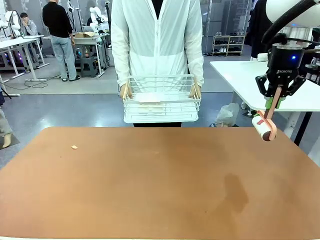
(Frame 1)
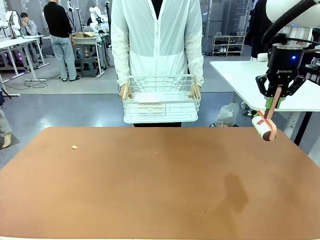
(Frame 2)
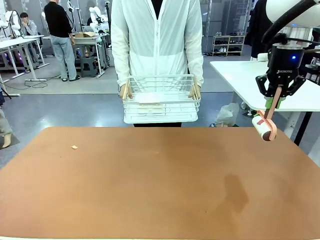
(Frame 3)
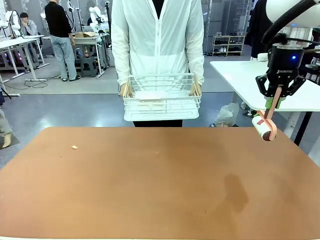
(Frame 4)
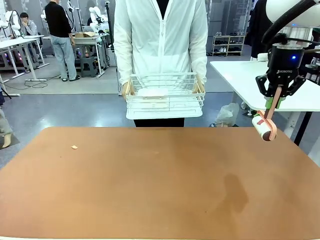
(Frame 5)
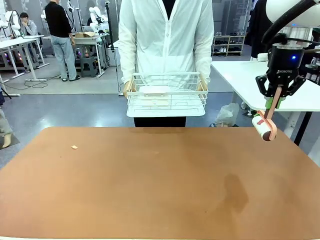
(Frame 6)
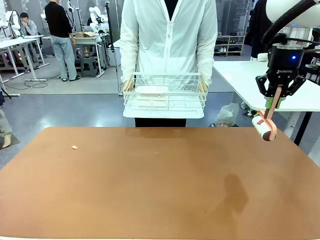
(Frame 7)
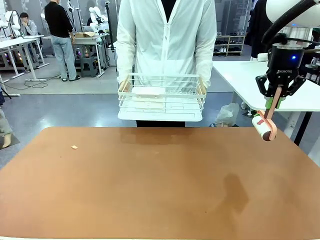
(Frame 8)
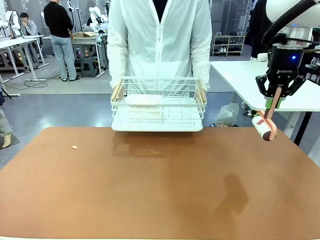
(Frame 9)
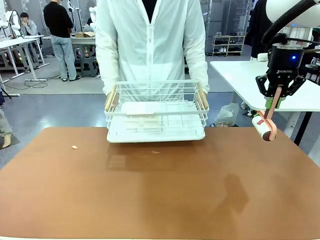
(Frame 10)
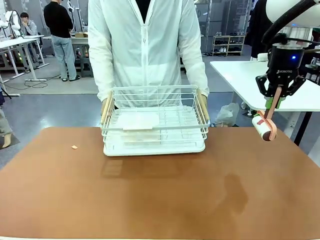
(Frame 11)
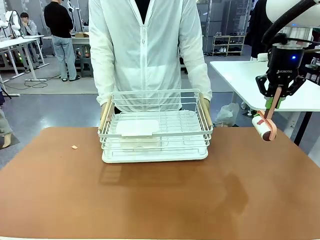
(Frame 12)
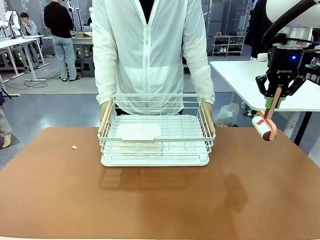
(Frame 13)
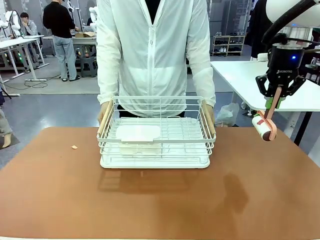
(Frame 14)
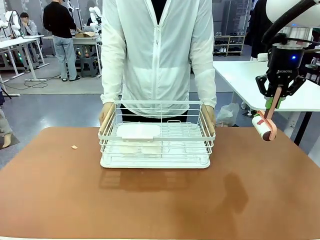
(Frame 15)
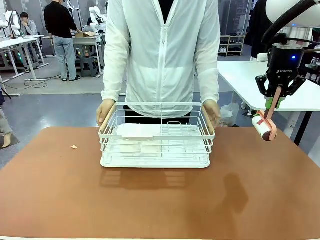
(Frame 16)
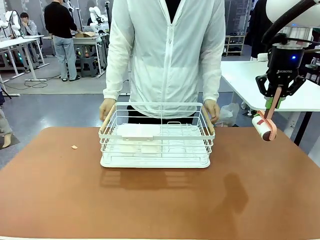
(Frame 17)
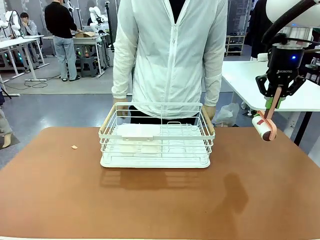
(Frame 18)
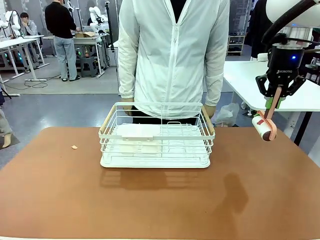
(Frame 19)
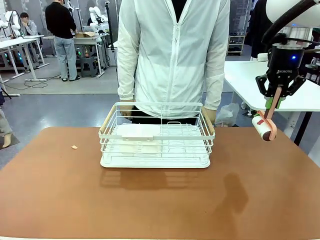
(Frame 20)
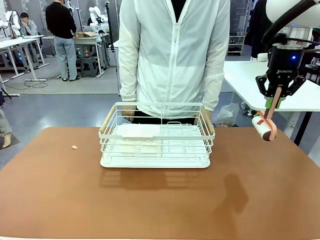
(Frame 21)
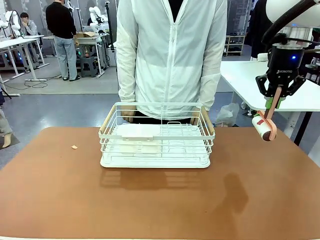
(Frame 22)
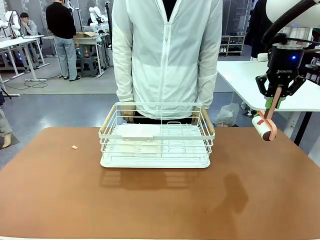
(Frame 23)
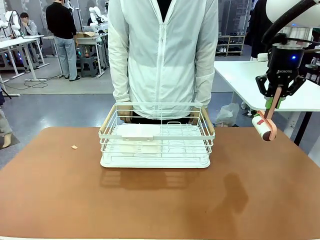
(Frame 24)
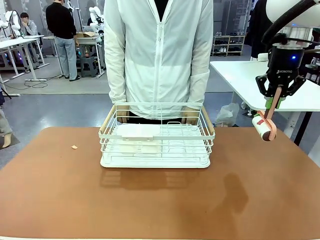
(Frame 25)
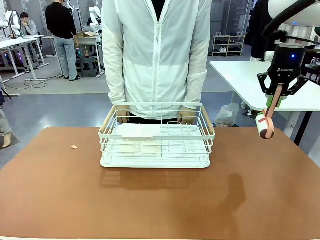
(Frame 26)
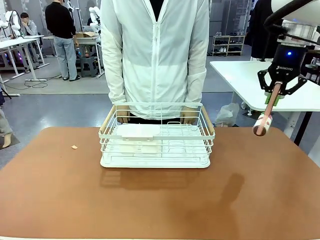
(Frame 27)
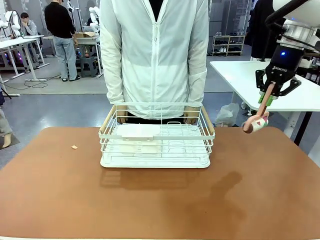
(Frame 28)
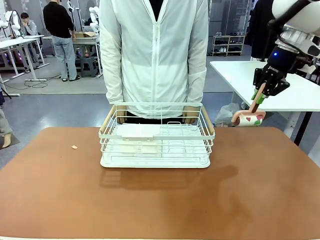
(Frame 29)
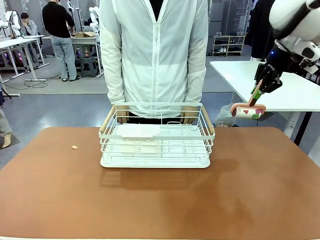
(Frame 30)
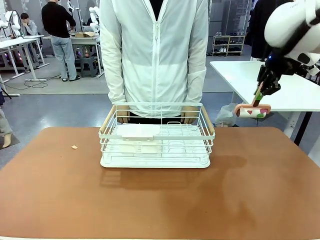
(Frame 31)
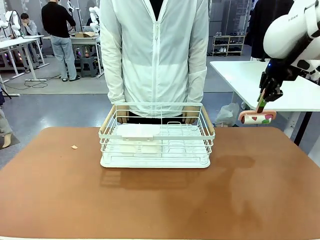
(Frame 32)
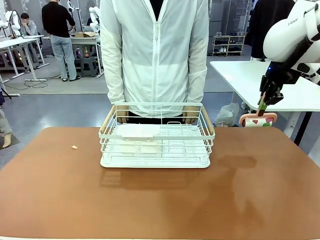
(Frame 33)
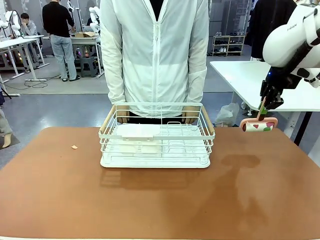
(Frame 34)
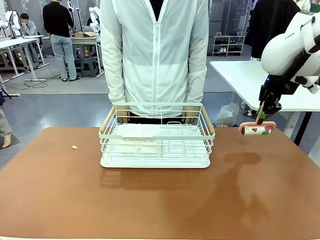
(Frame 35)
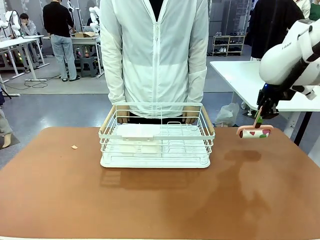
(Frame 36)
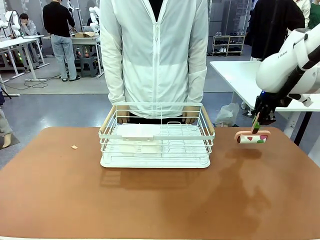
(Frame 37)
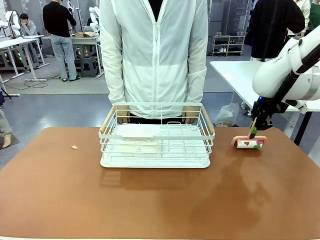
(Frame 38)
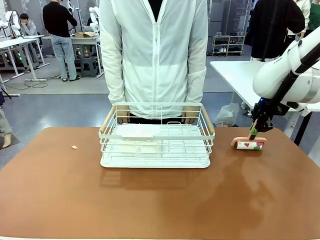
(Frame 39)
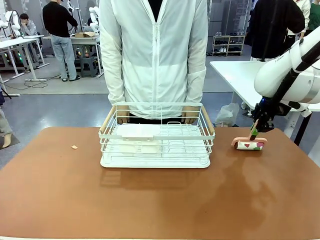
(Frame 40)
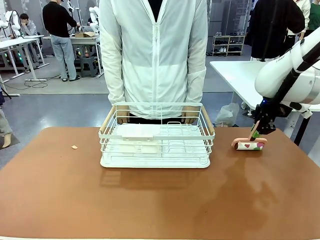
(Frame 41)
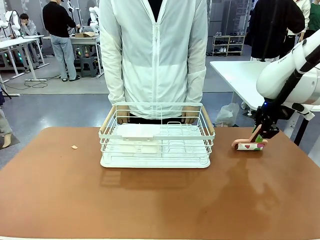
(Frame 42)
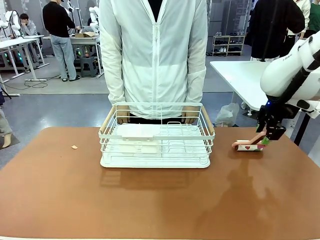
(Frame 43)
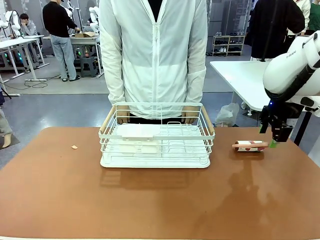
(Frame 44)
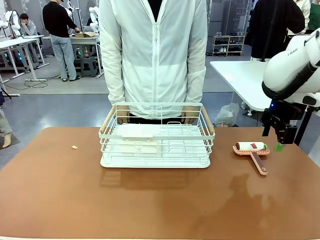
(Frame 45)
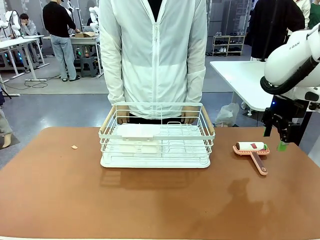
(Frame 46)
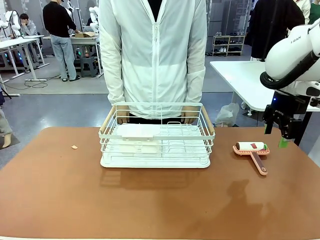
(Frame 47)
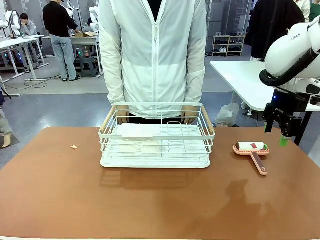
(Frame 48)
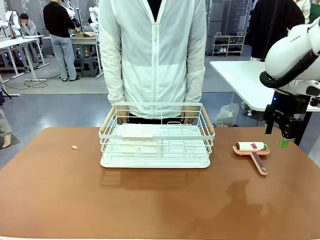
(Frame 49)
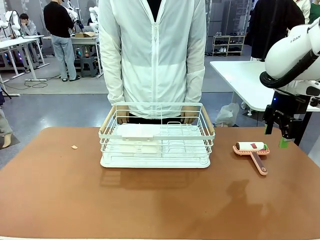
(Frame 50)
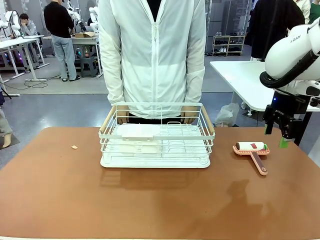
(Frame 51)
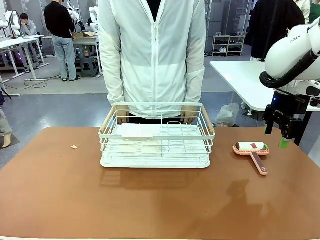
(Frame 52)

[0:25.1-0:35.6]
Task: Clean the table.
Robot: Place the Lint Roller down when the Dish drying rack is positioned in the middle of the table.
Person: Place the Dish drying rack down when the robot finishes cleaning.

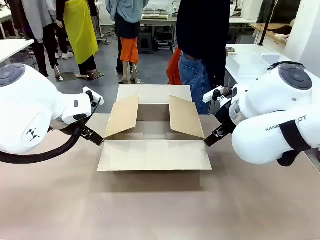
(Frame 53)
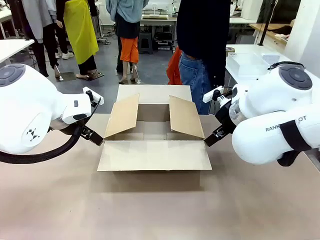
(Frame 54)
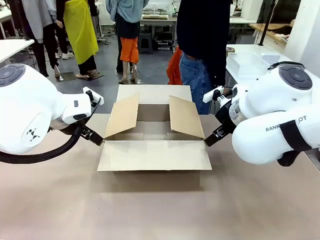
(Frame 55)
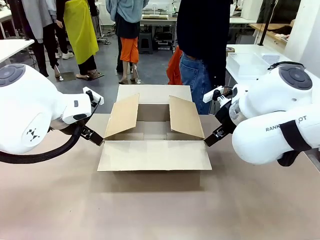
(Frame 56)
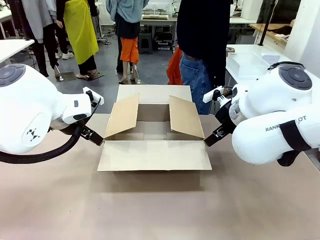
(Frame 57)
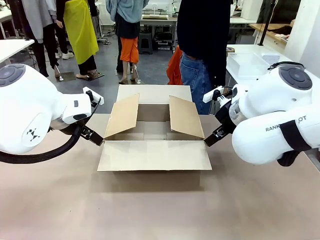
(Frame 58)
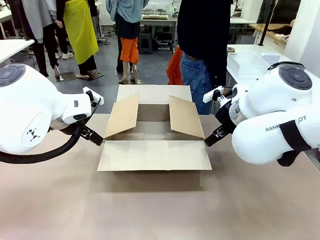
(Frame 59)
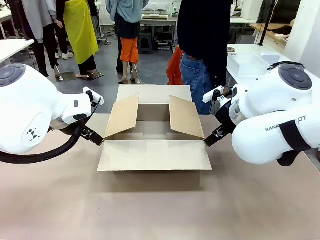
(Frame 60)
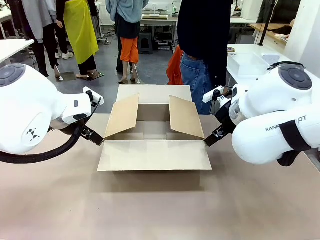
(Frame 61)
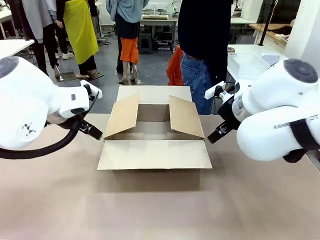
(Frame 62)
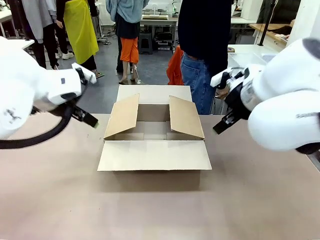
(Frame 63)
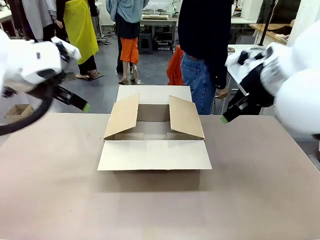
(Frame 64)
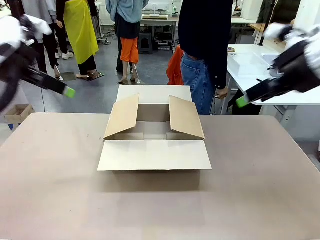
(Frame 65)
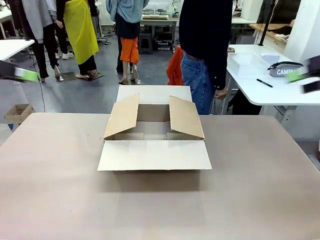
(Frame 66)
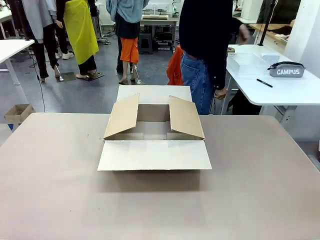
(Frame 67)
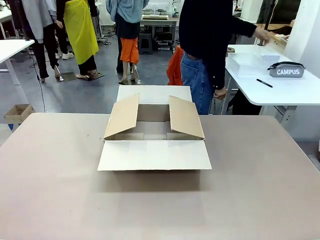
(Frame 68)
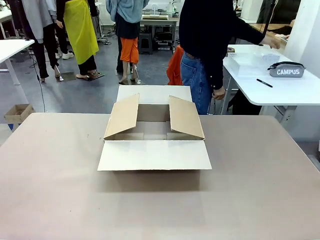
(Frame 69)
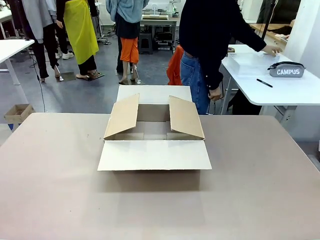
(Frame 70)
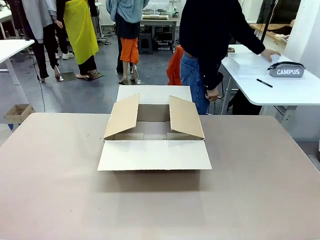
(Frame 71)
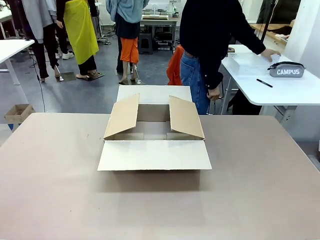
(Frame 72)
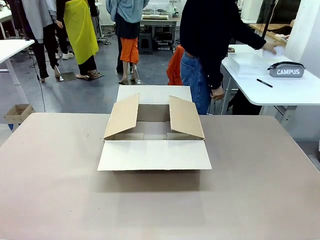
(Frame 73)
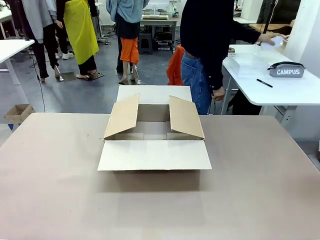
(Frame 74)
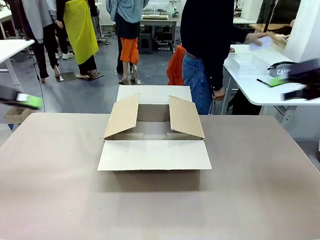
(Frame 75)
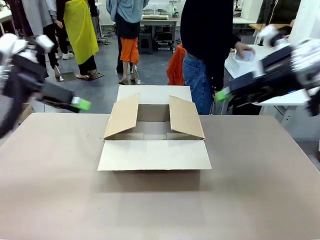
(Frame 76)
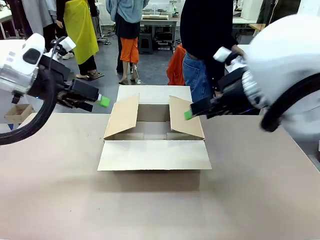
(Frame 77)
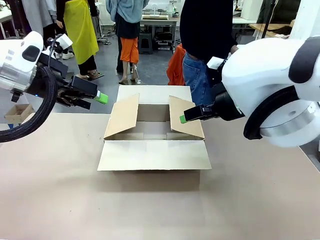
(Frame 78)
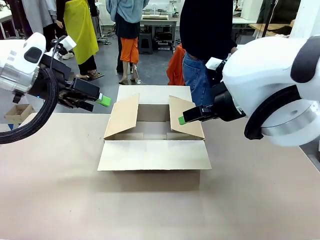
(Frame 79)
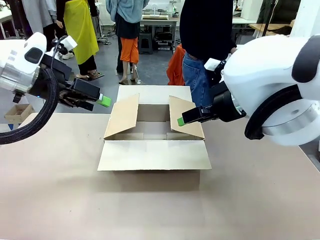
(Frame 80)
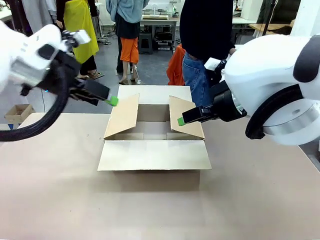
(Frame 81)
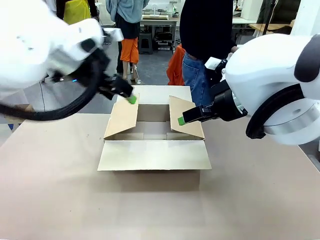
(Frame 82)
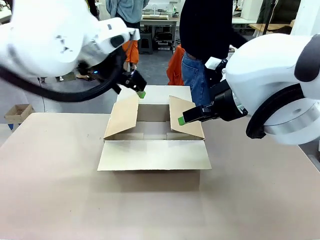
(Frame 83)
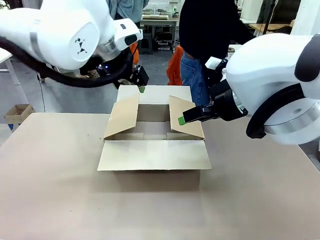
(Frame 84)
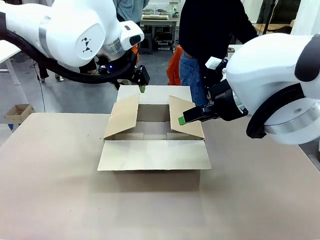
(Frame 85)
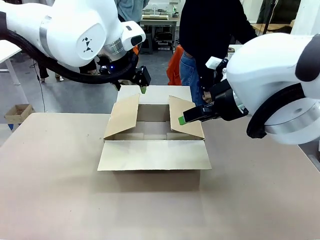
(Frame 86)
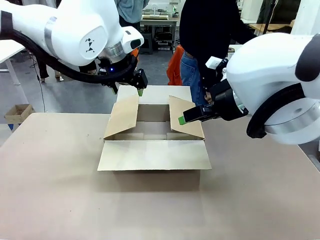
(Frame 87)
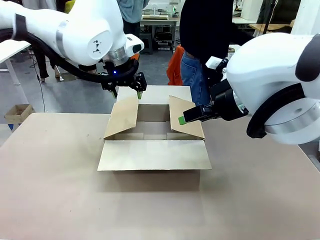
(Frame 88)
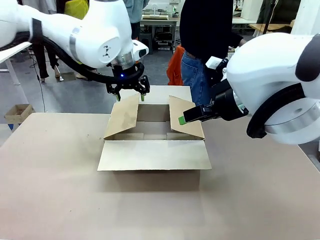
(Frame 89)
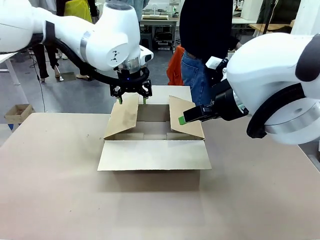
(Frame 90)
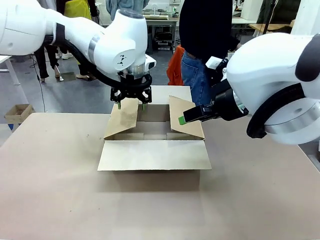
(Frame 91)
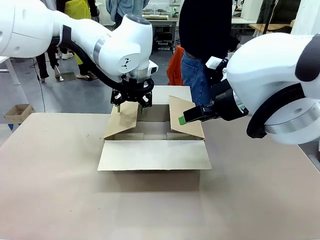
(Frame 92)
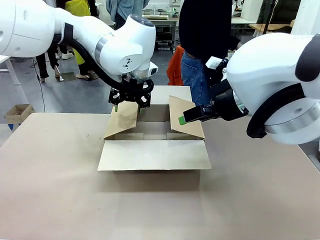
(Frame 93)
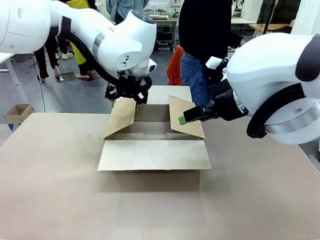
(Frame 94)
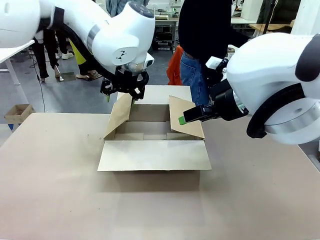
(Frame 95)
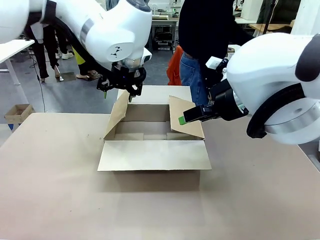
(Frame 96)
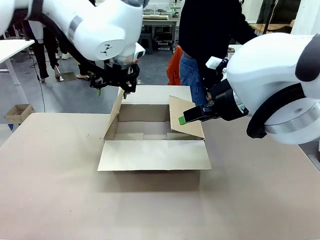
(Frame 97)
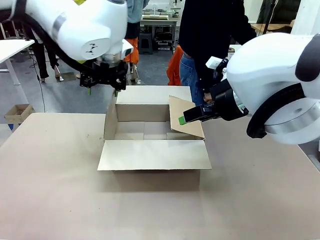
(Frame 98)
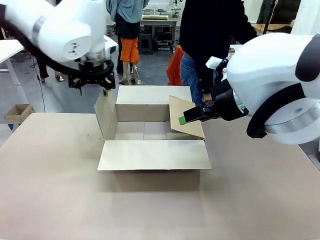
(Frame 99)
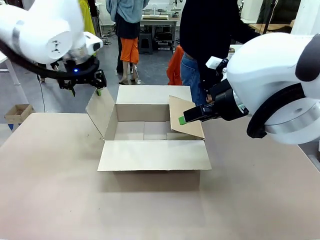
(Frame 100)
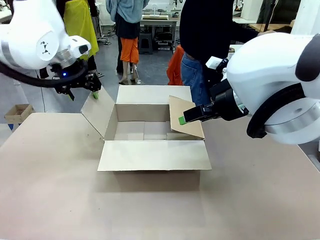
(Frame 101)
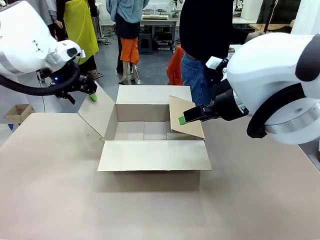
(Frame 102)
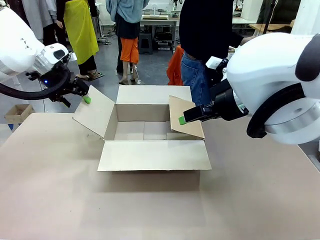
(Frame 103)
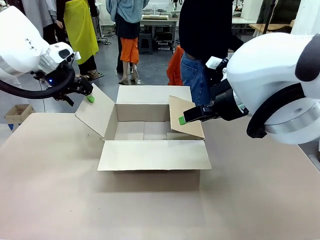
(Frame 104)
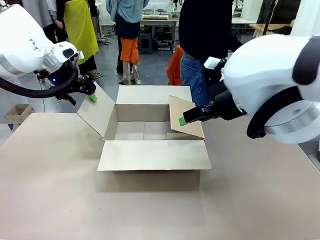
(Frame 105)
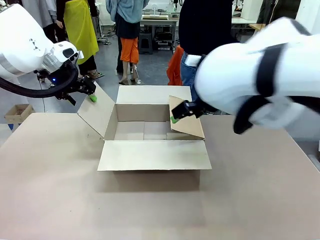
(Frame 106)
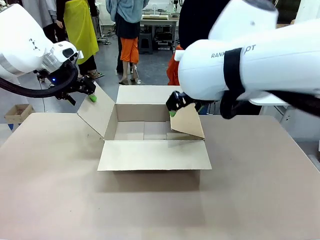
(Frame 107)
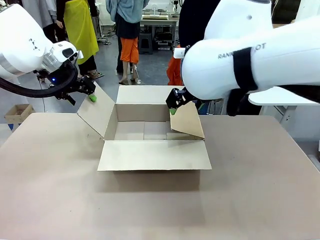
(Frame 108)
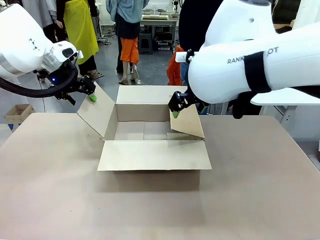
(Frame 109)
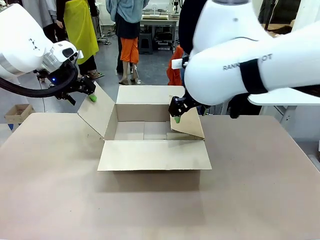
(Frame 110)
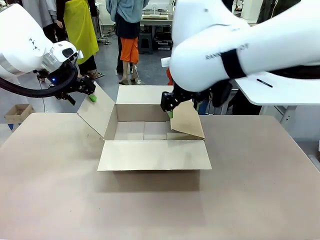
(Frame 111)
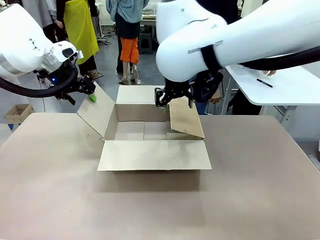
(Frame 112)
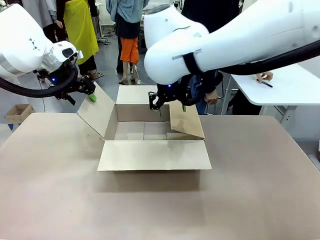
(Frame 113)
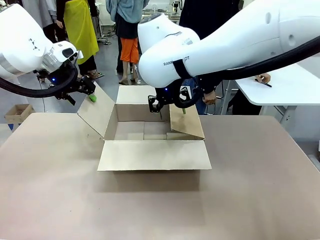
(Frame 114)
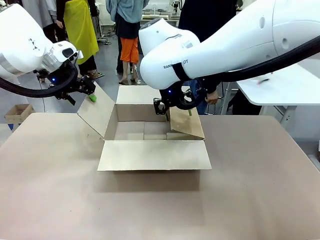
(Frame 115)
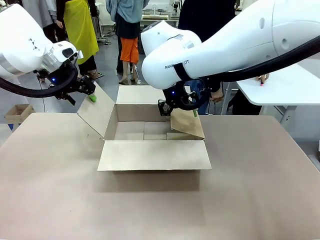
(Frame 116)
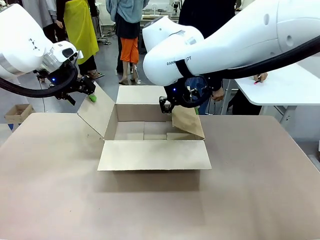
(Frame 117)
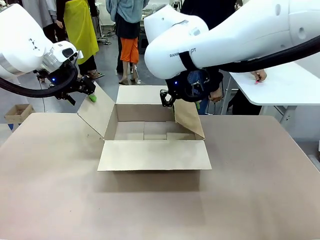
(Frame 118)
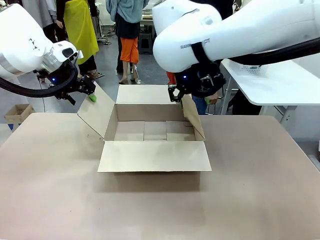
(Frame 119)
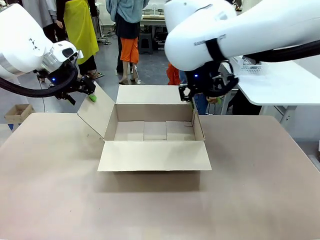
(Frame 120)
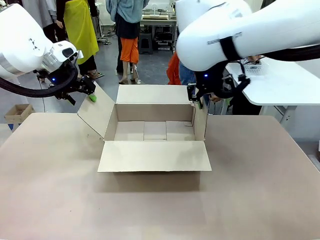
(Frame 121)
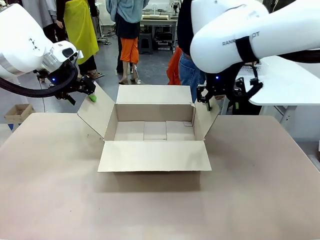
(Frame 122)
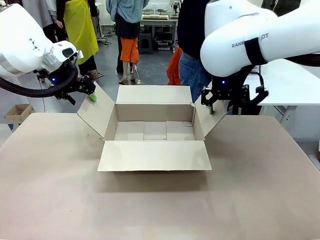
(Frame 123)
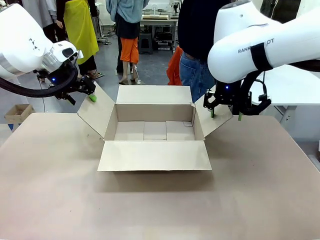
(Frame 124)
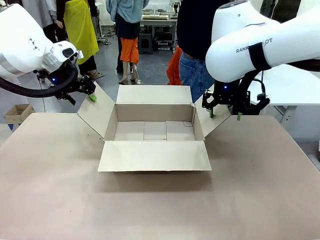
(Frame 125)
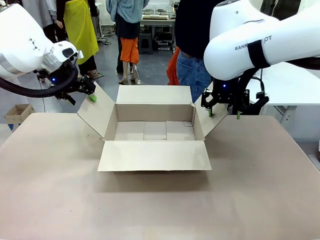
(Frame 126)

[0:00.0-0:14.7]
Task: Pack the gift set into the box.
Robot: Place both hands on the side flaps of the Package Box and spread them outward.
Person: The human places all items except the paper tape into the organizing basket.
